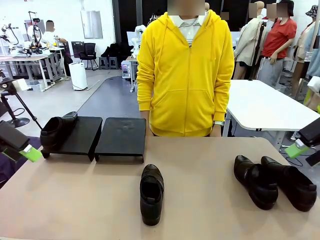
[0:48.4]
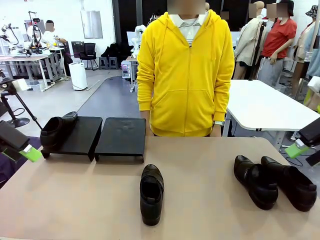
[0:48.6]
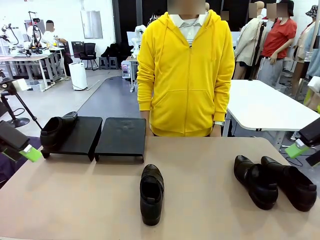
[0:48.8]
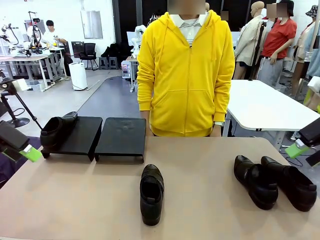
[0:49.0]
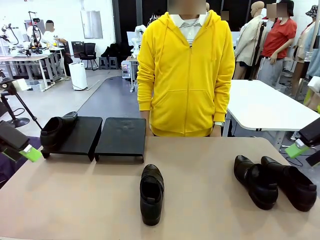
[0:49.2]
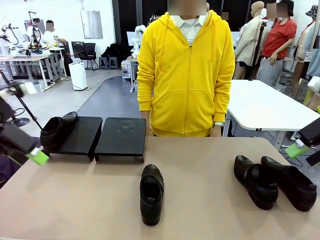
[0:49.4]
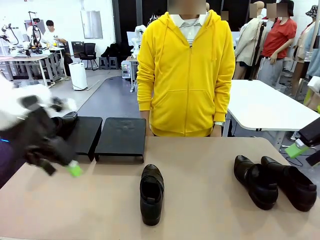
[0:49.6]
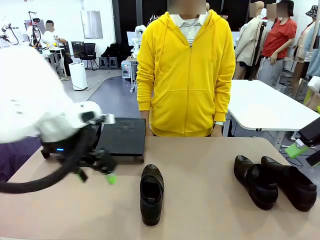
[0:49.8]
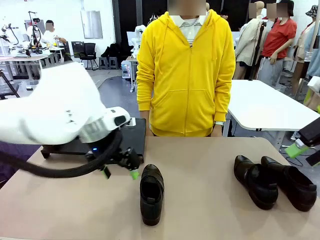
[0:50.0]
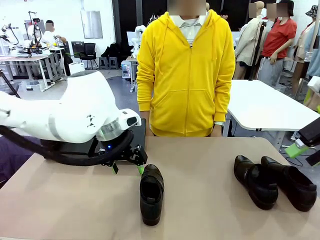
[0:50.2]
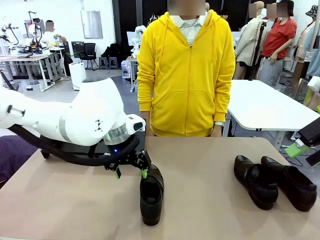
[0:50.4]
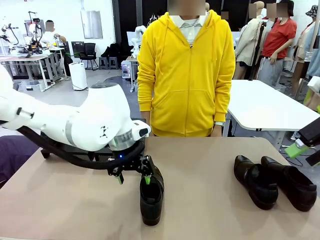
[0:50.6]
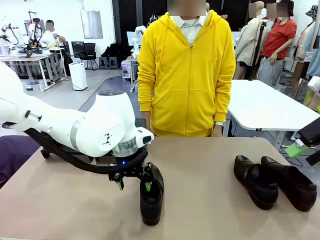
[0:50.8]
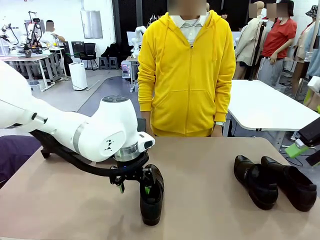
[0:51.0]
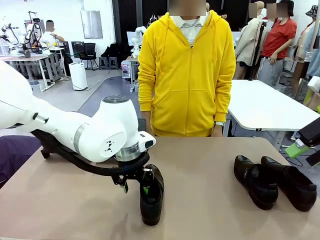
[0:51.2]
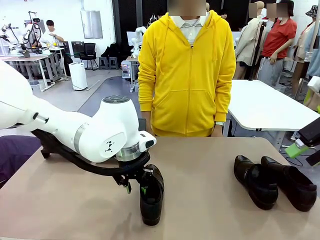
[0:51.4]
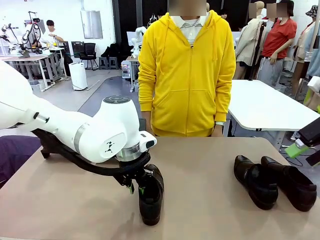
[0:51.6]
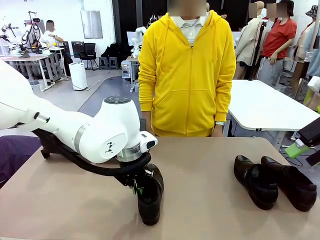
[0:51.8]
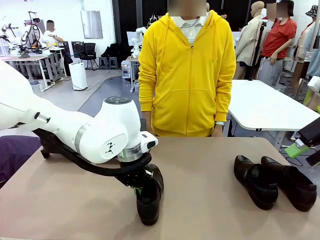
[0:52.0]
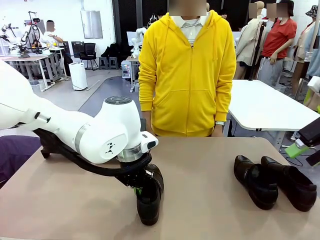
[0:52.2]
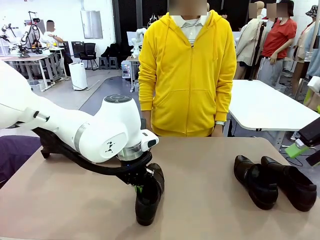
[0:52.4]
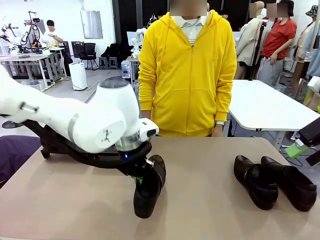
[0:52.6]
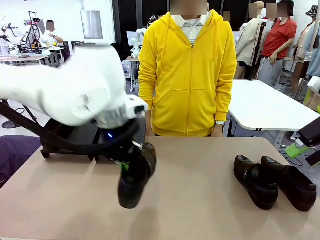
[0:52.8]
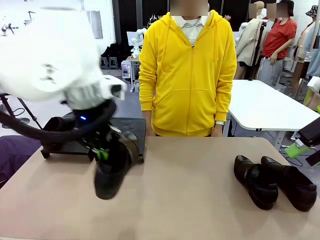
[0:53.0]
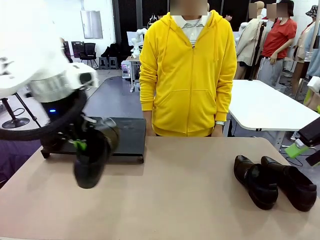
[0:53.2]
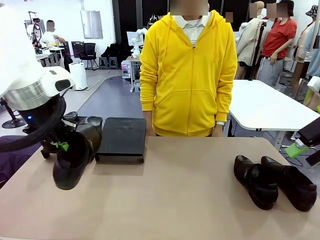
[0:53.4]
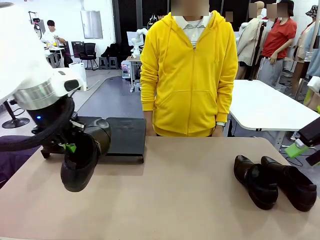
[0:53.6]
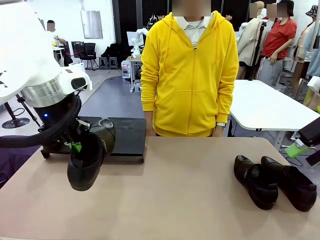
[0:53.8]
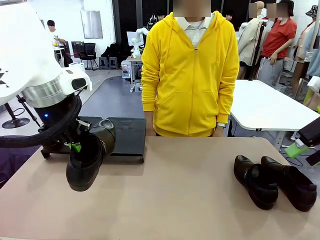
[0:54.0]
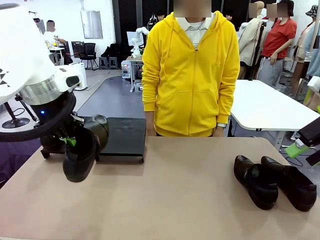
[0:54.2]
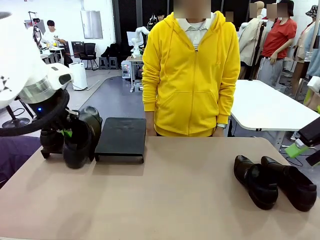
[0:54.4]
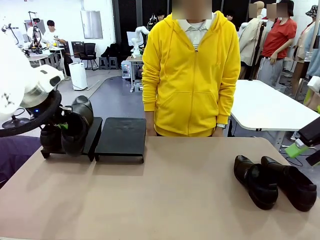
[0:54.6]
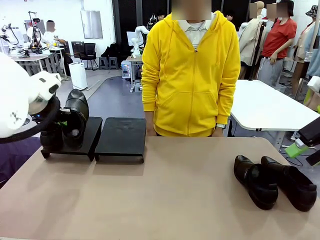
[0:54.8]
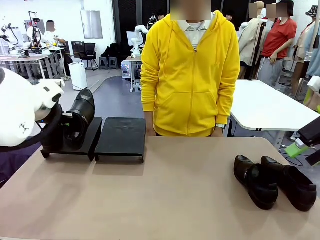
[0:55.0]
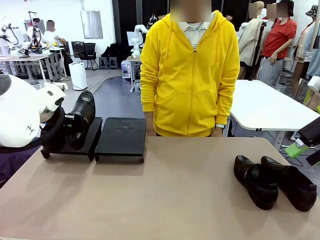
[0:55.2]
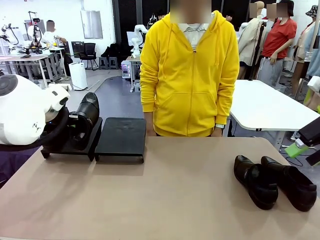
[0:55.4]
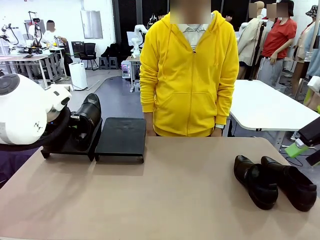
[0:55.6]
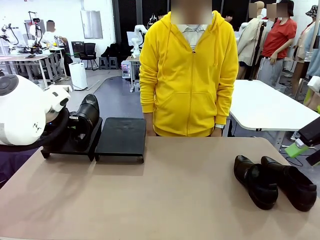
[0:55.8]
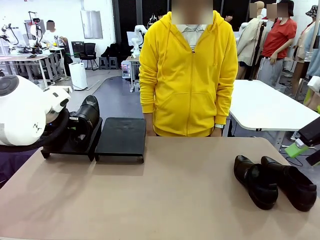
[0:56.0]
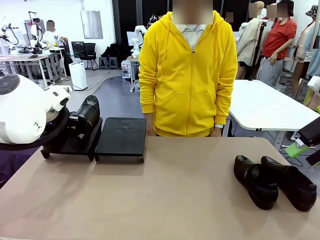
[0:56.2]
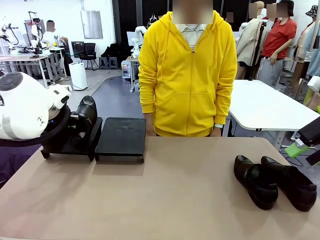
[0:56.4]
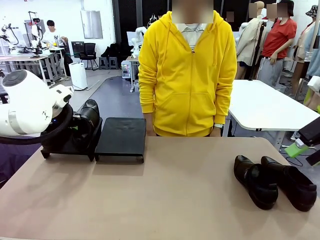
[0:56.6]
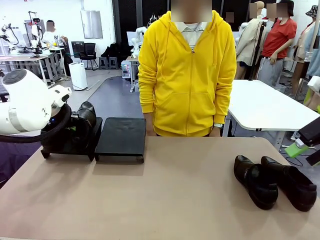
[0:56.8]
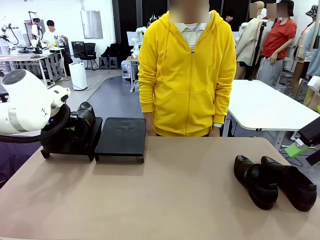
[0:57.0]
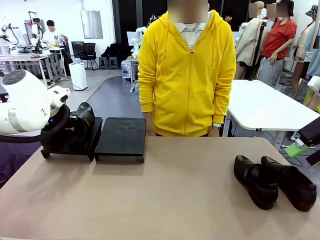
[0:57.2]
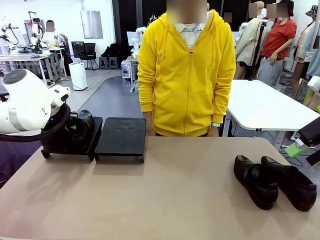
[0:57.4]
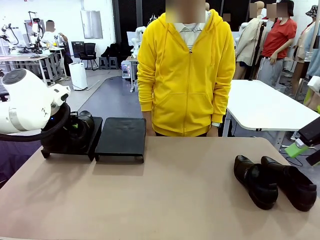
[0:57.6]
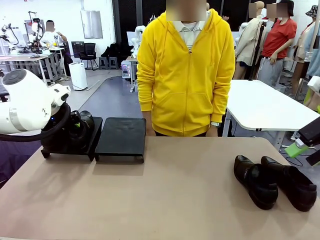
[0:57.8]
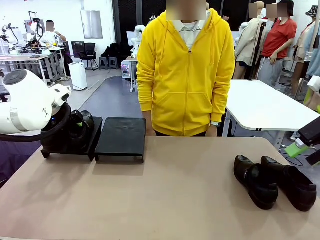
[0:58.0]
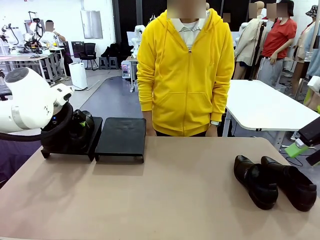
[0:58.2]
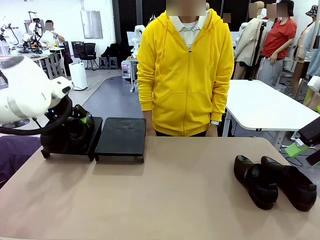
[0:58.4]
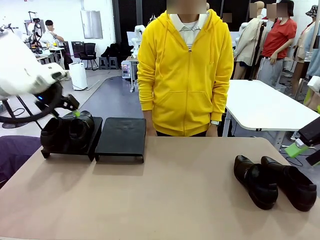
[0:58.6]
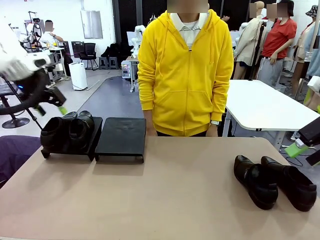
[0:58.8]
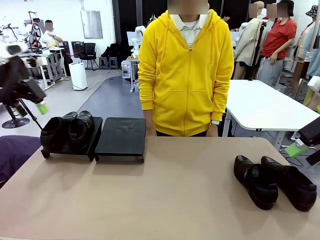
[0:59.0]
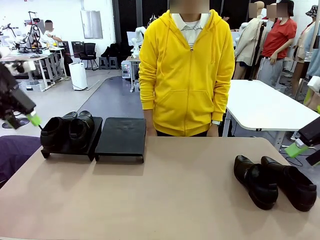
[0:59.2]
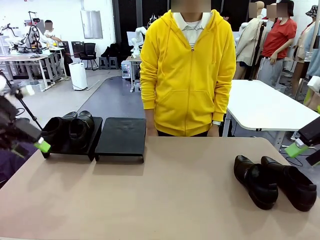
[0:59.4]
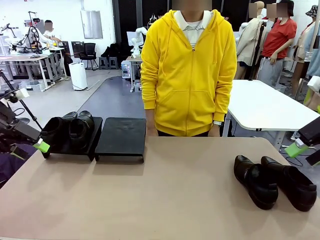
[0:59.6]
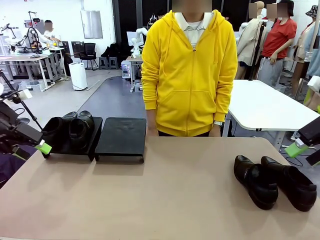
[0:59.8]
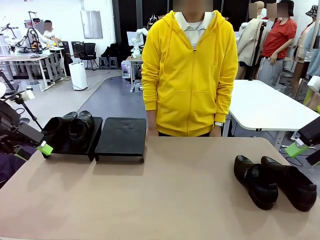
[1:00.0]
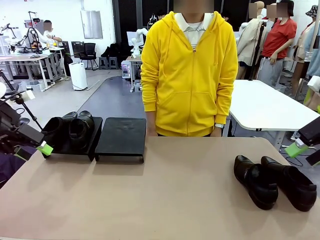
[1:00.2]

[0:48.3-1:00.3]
Task: Organize the shoes by placing them on the stand.
Robot: Place the Shoe from the middle of the table onto the Shoes Stand.

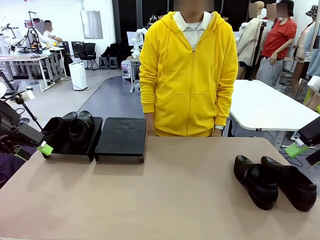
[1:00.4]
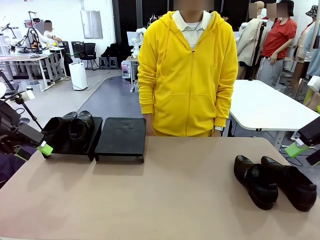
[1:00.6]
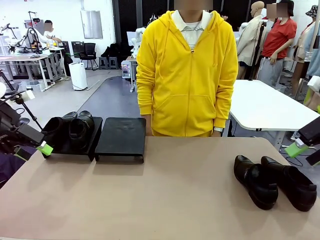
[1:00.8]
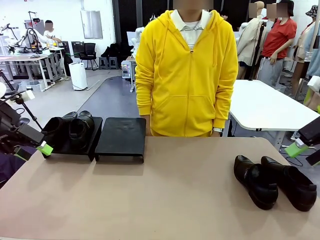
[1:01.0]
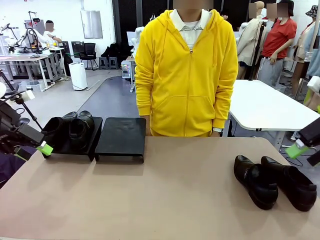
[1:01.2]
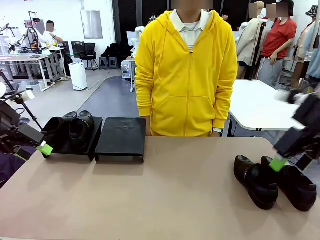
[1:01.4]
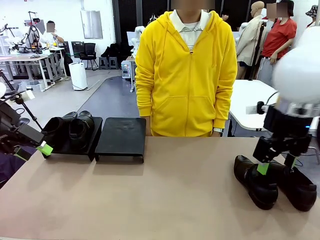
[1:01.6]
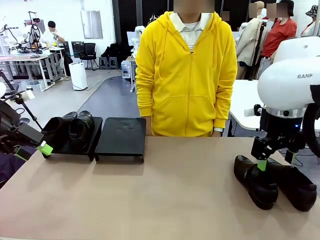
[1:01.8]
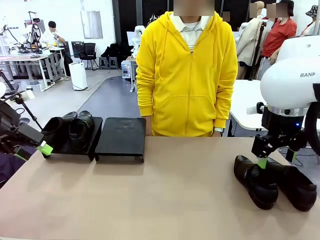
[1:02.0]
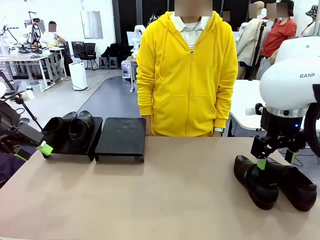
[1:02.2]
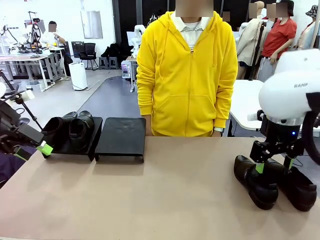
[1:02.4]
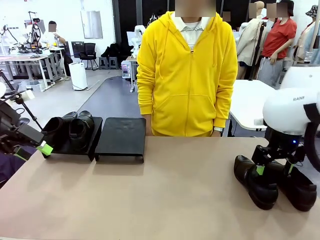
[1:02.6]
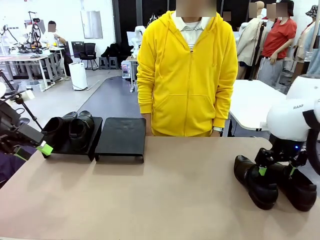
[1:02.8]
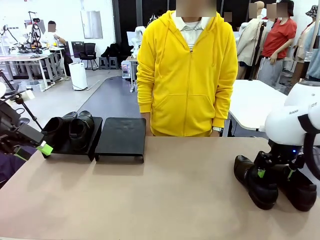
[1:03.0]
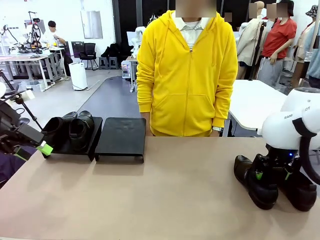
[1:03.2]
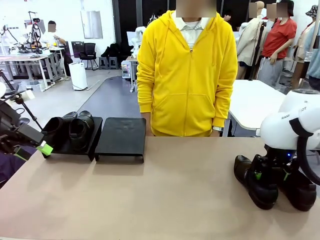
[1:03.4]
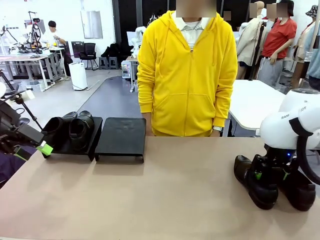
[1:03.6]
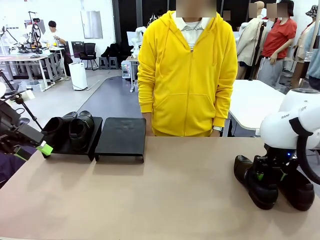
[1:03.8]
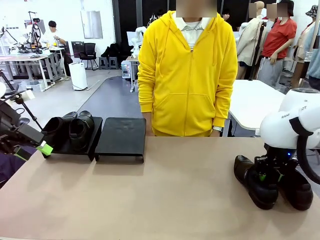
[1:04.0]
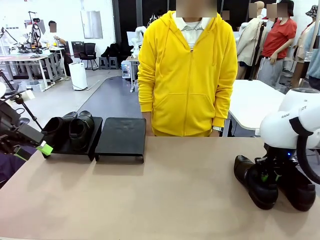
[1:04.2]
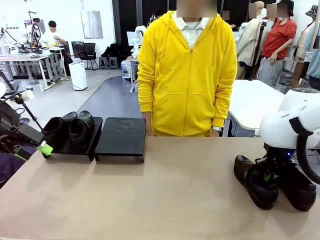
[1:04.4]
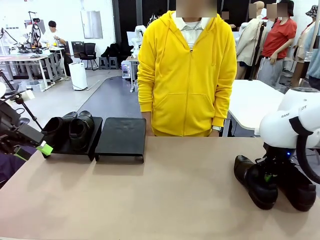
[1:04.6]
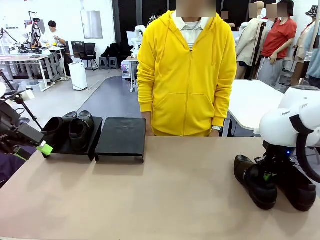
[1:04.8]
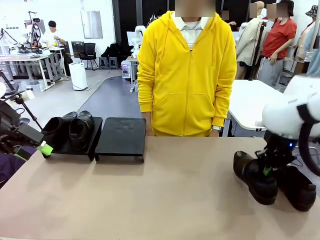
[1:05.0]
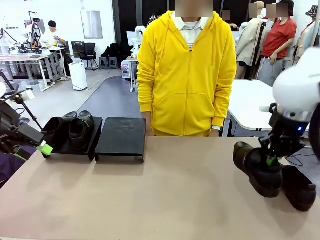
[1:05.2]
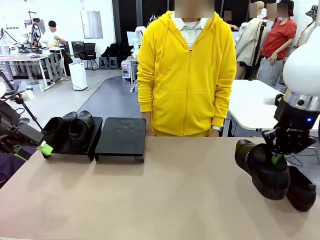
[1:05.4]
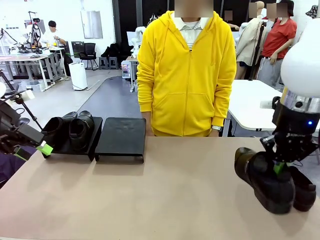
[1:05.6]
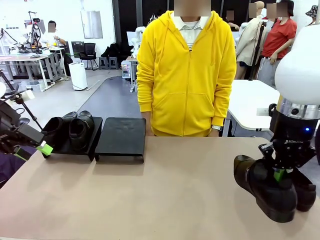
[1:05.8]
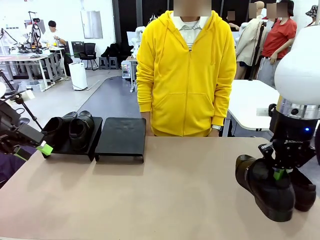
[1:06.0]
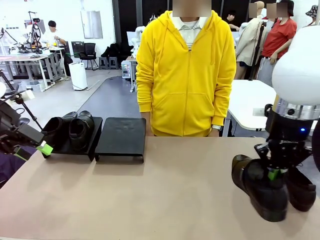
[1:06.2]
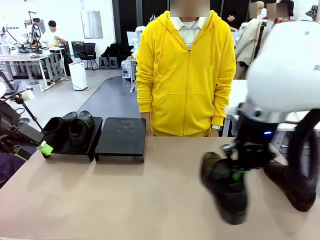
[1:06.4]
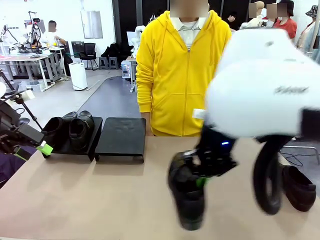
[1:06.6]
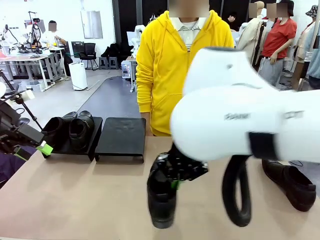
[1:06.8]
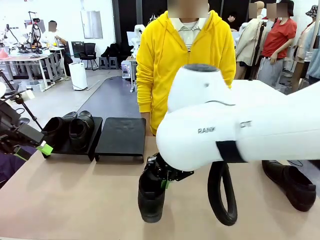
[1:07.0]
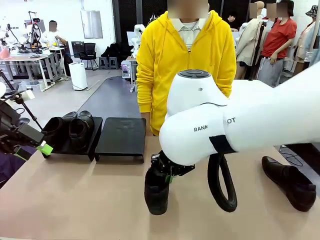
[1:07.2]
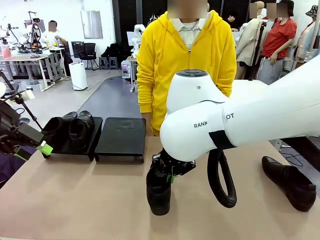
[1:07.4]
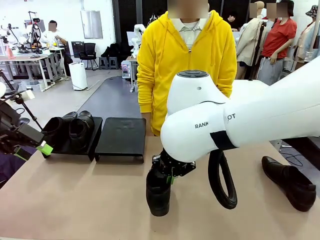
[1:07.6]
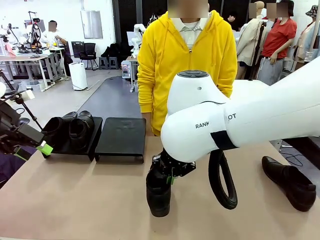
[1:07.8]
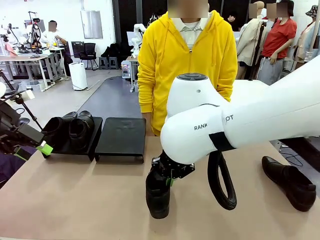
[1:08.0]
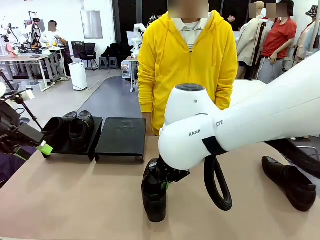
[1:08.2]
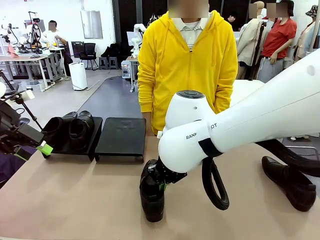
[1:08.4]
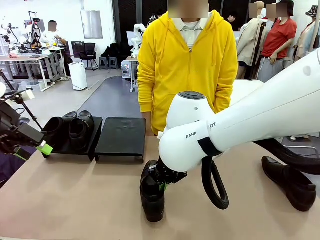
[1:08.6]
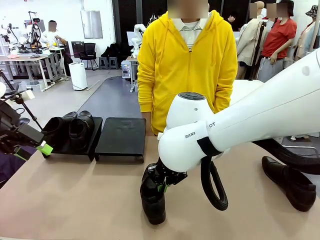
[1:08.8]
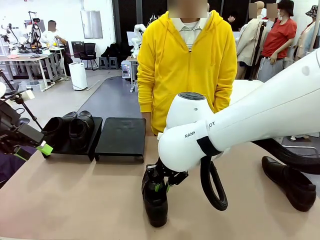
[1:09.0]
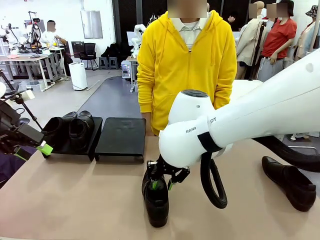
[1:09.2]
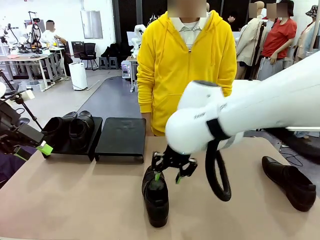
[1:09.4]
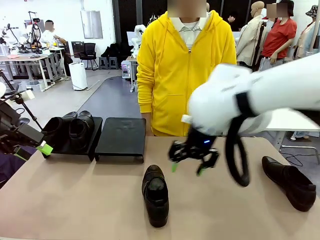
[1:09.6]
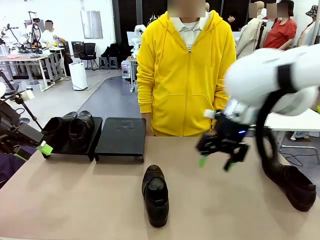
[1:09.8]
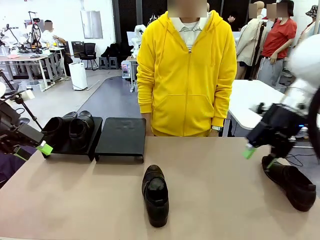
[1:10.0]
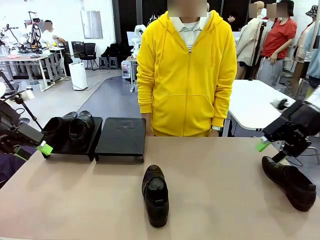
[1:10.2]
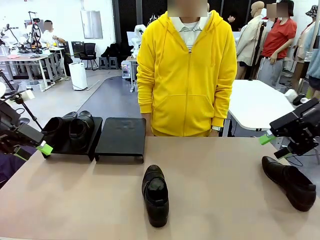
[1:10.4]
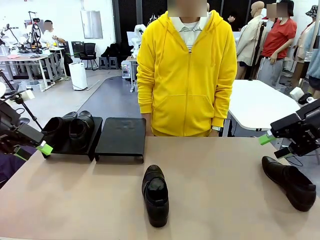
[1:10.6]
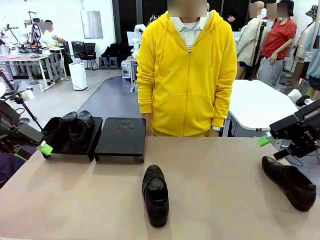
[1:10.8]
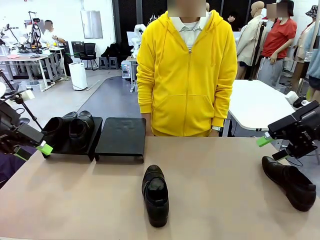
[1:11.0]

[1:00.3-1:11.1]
Robot: Pick up one Shoe and place it in the middle of the table.
